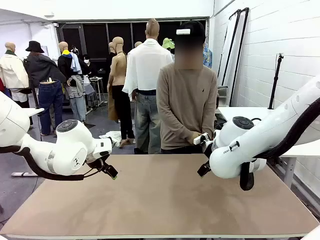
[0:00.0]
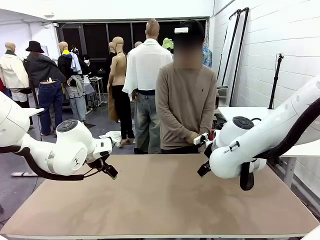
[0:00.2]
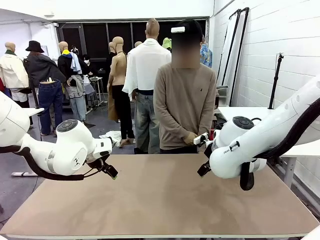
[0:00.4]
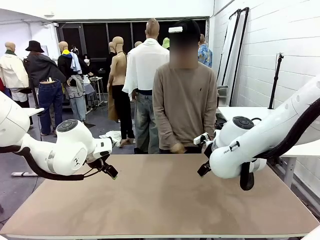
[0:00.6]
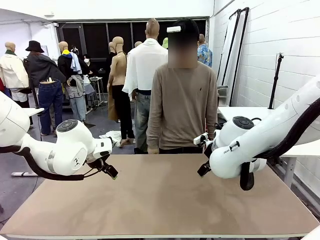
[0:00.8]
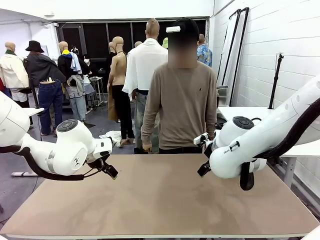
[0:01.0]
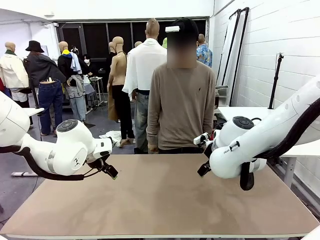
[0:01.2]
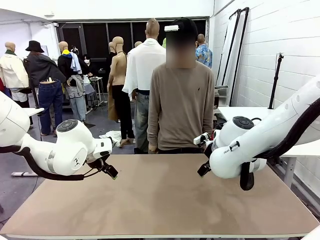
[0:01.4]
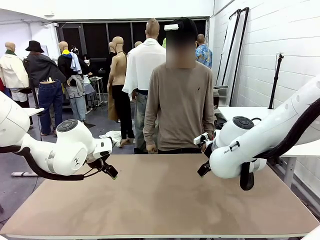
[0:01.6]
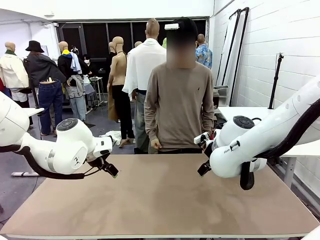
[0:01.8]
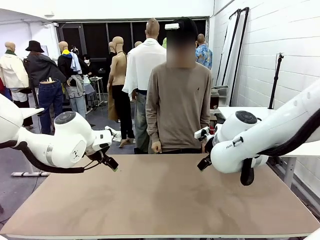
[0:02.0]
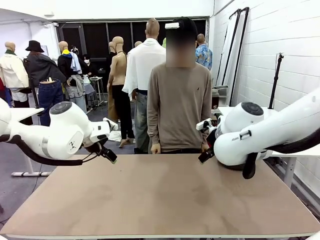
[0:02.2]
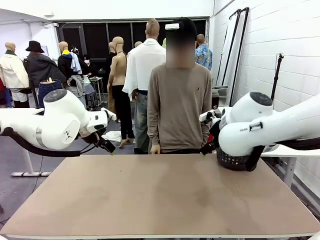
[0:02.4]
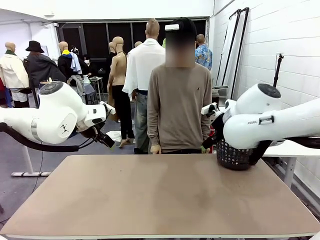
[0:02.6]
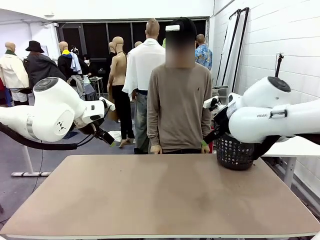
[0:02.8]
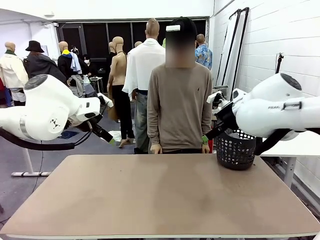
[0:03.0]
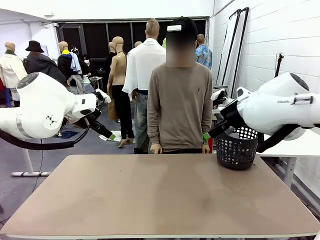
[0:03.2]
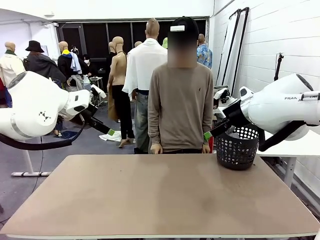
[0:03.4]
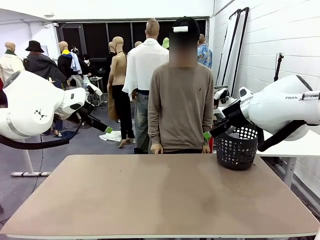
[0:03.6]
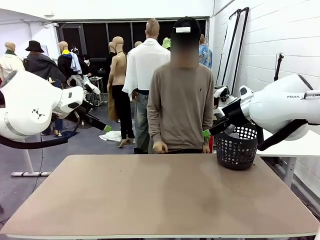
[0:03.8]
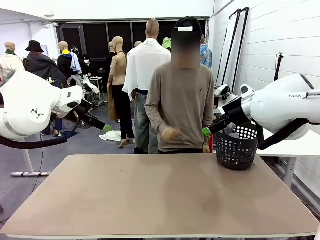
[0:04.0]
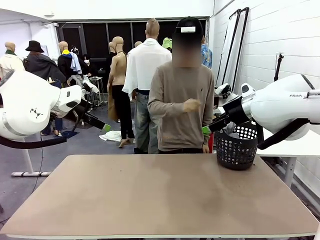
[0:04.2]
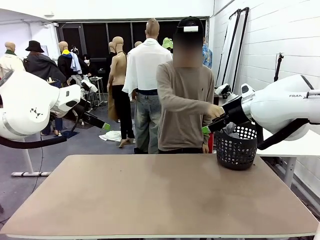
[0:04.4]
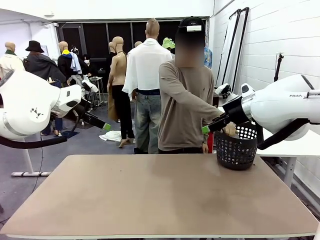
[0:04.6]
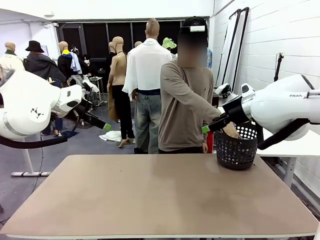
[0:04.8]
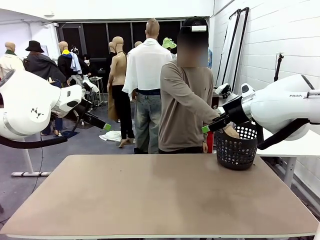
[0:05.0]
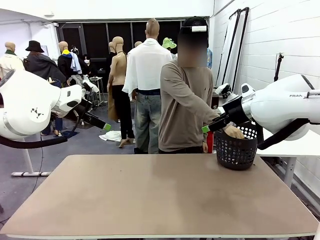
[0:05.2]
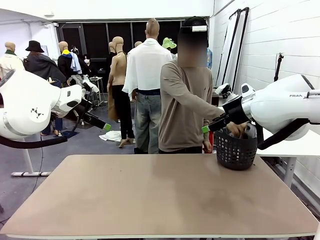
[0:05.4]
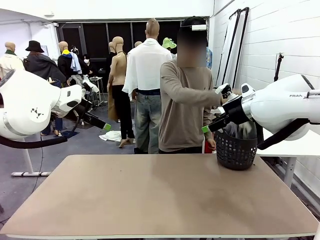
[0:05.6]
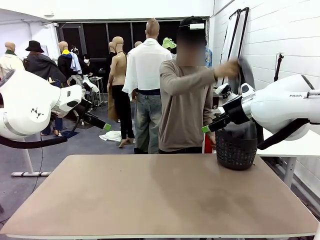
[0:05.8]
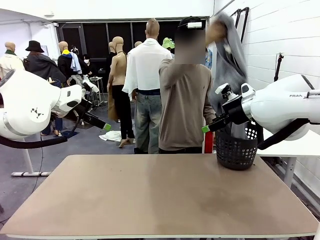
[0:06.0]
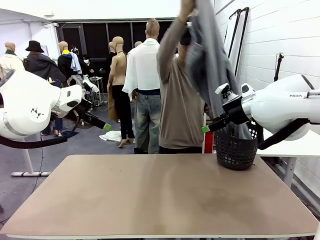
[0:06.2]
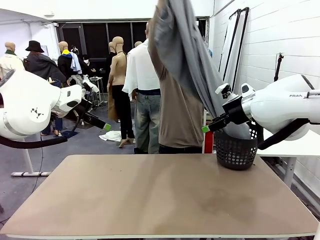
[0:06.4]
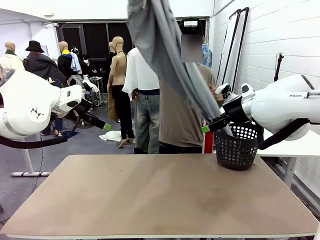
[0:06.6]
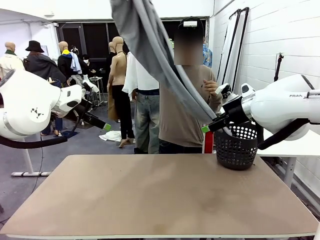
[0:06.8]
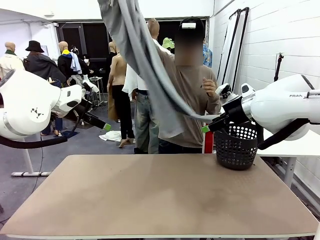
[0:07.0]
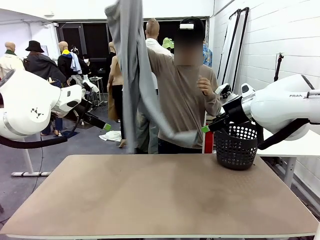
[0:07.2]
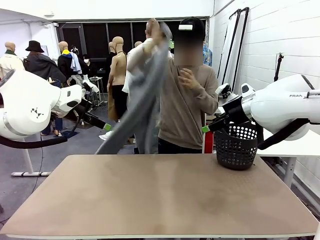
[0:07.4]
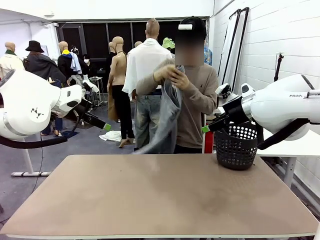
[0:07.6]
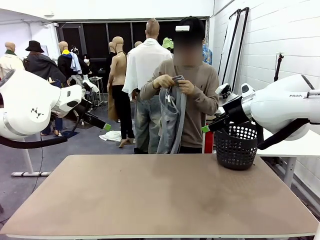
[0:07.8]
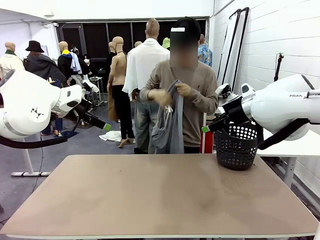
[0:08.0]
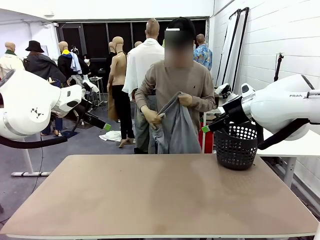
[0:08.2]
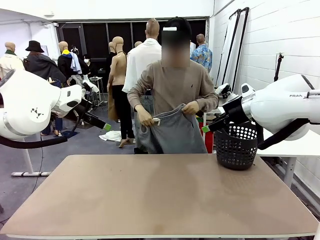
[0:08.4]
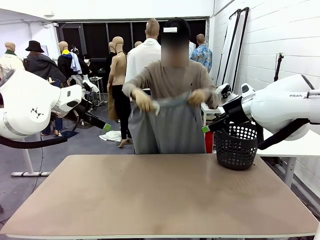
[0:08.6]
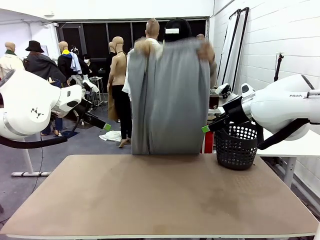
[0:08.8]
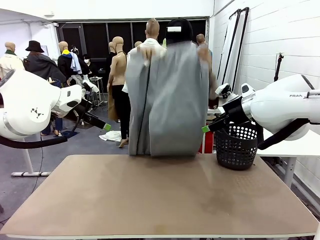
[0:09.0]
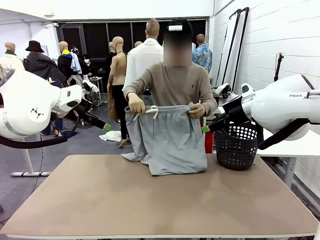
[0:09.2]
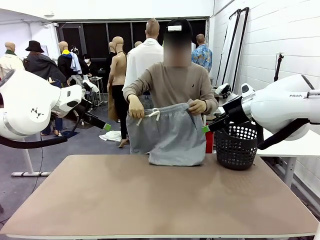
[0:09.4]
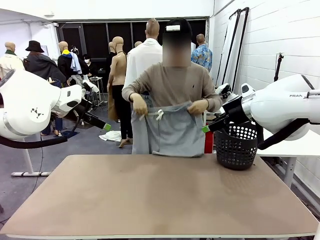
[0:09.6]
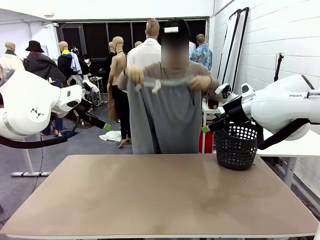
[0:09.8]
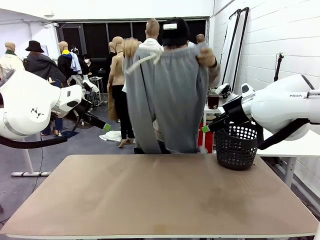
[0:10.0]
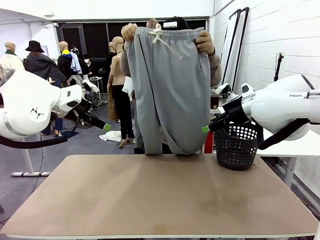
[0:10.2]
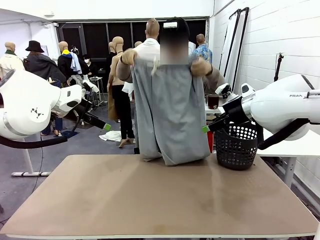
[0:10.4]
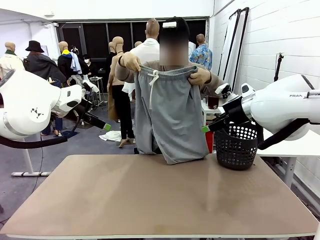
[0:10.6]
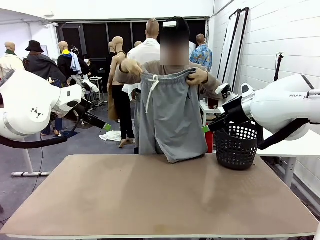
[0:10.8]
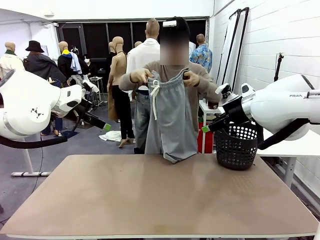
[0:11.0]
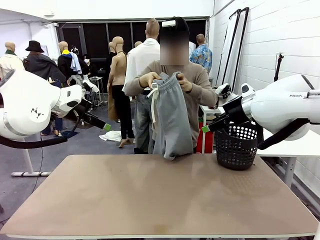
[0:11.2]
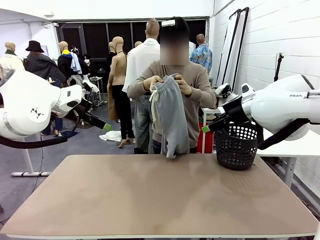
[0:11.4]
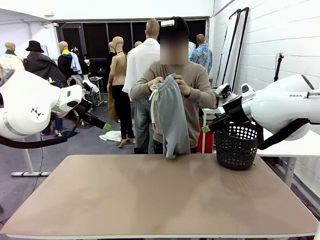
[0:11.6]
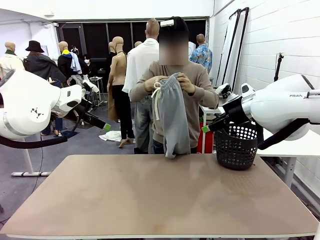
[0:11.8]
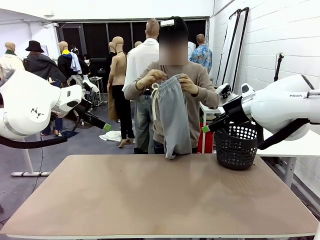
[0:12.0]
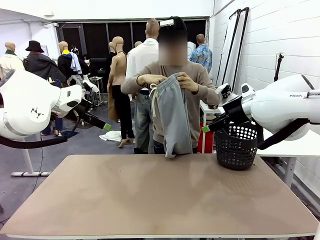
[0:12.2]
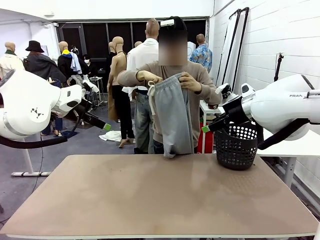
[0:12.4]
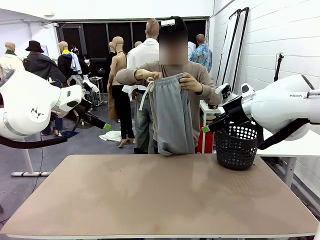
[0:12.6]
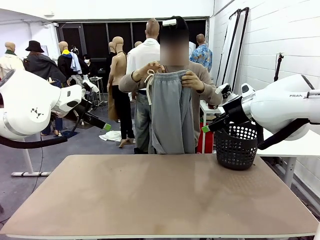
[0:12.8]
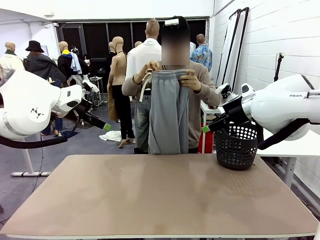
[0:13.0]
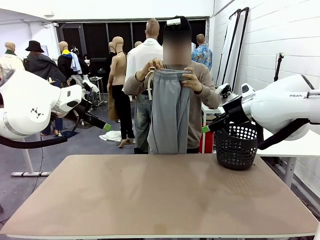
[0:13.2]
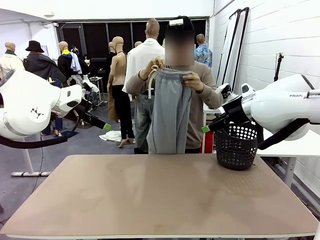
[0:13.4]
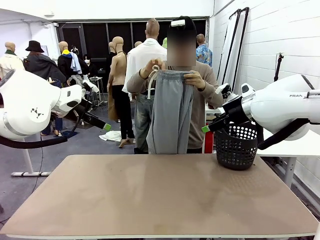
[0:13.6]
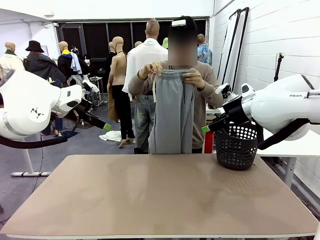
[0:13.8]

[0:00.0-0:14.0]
Task: Fold the training pants.
Robot: Grab both ends of the Training pants handed by a person.
Person: Take the long pants out of the laundry basket, unfold them, fold the waist in half, and extend them so the robot can pick up both corners.
